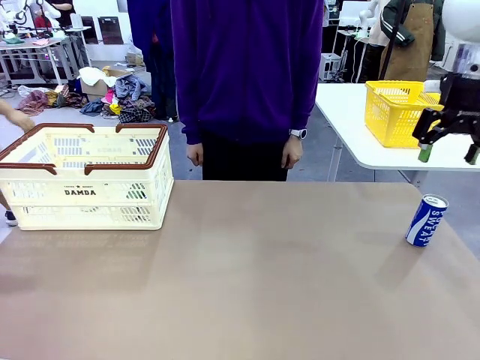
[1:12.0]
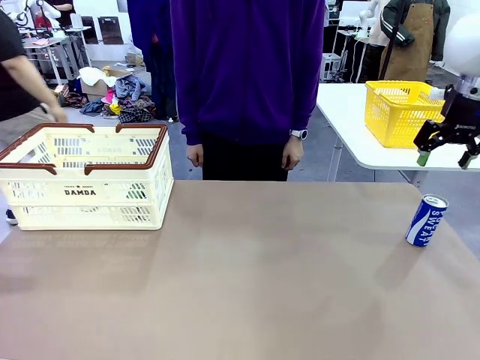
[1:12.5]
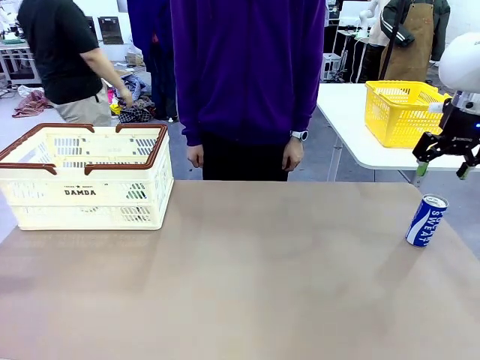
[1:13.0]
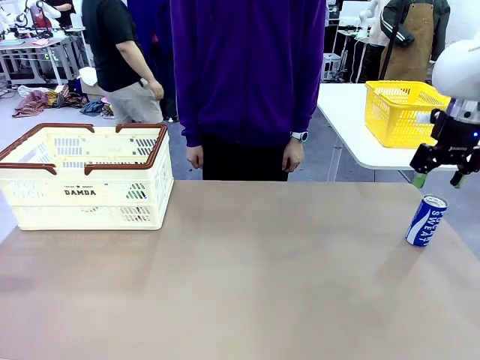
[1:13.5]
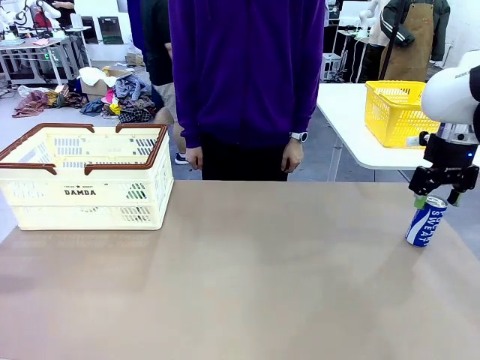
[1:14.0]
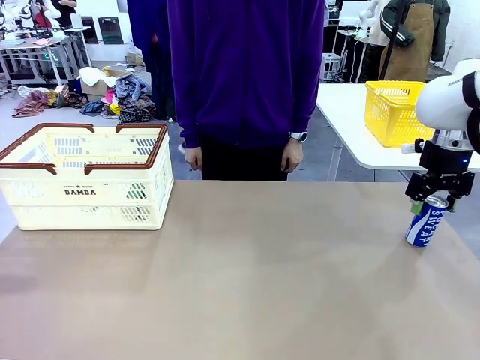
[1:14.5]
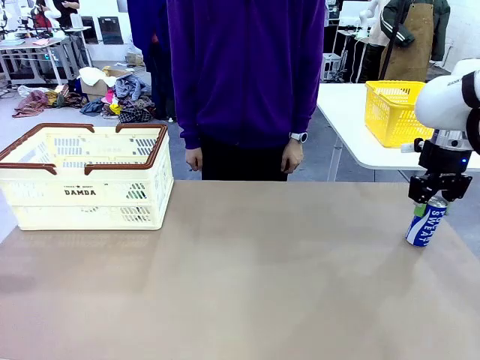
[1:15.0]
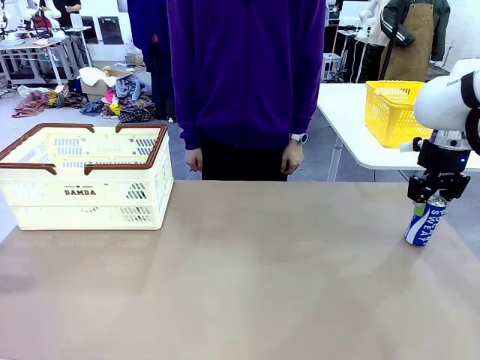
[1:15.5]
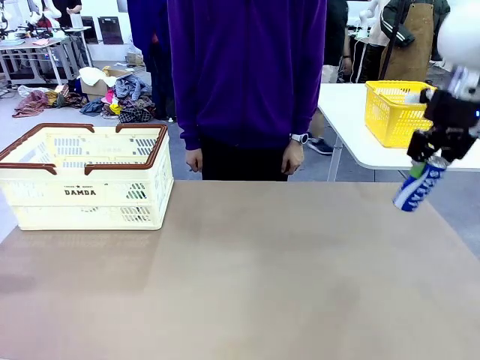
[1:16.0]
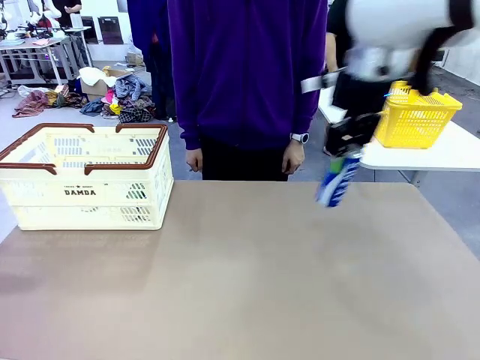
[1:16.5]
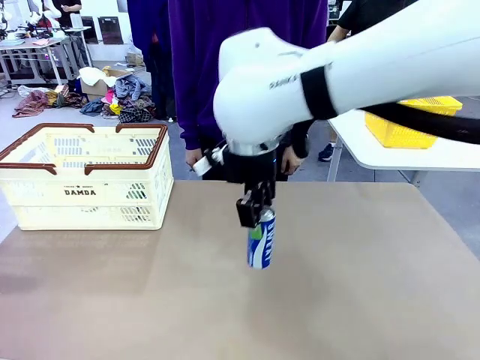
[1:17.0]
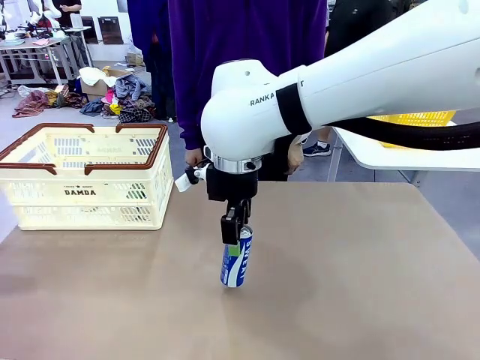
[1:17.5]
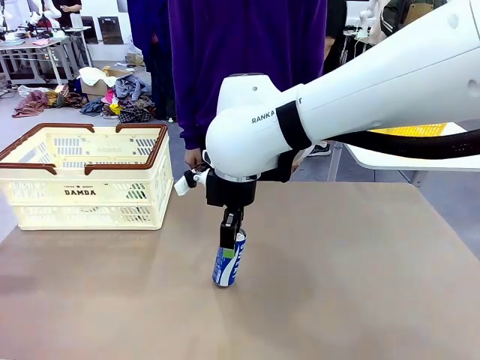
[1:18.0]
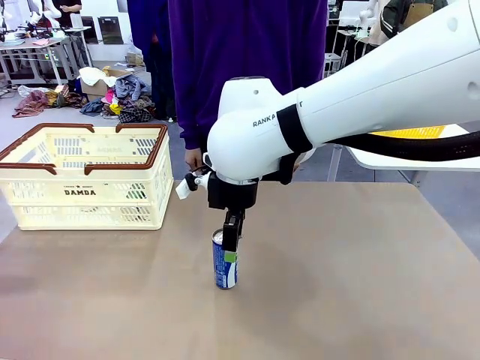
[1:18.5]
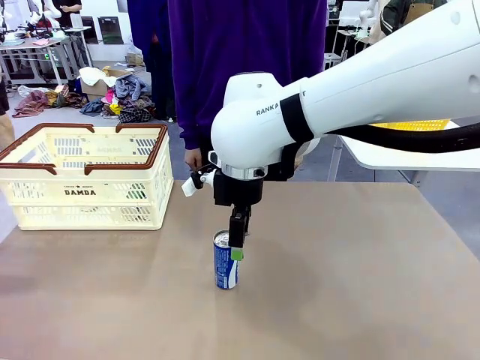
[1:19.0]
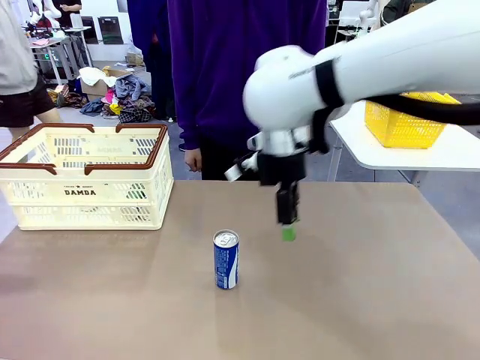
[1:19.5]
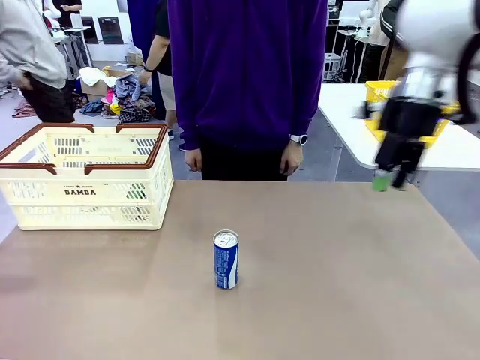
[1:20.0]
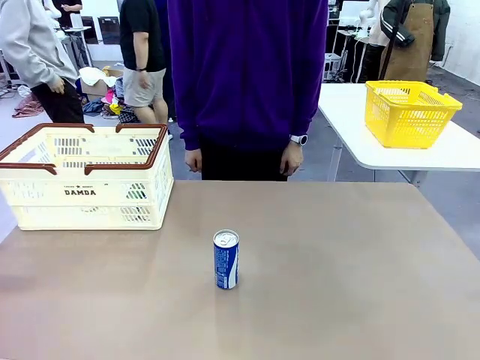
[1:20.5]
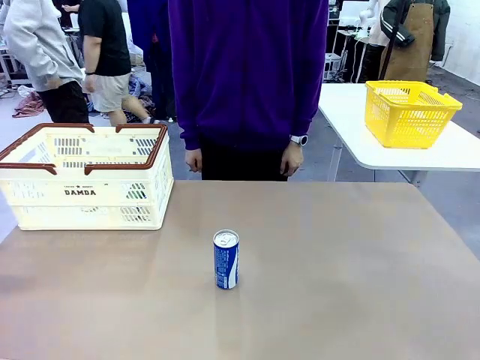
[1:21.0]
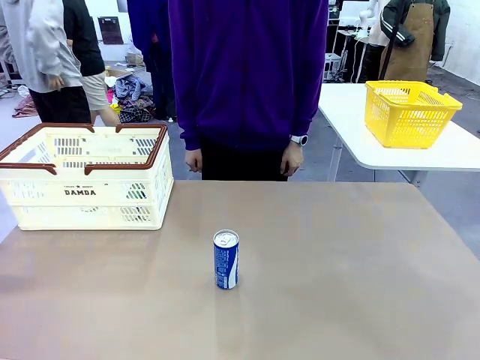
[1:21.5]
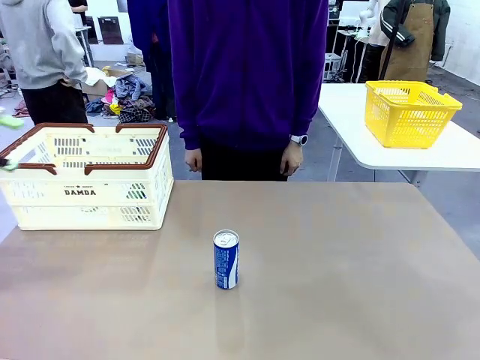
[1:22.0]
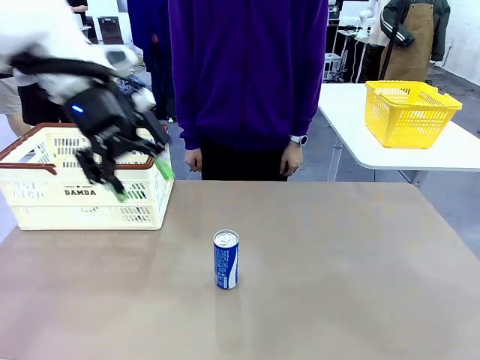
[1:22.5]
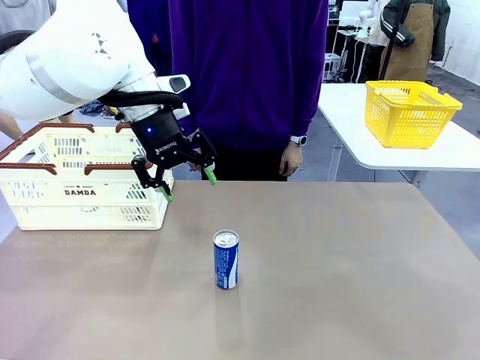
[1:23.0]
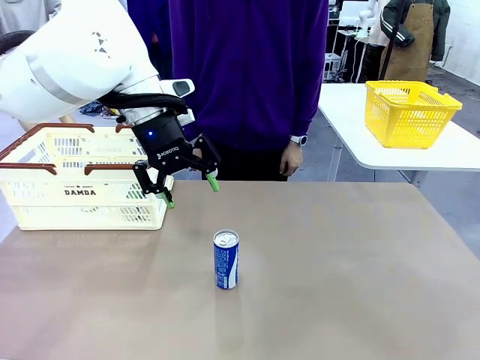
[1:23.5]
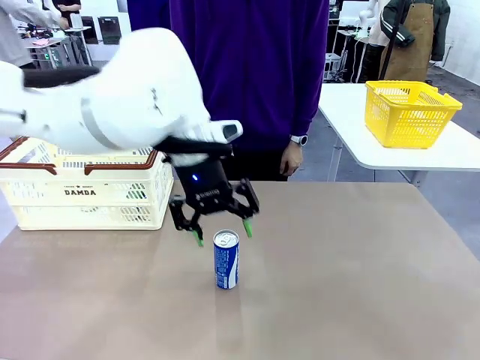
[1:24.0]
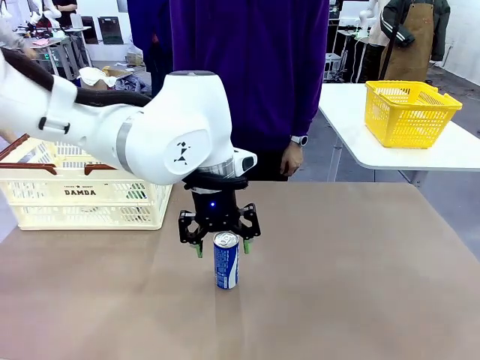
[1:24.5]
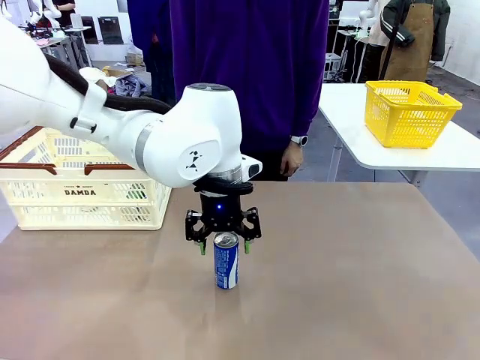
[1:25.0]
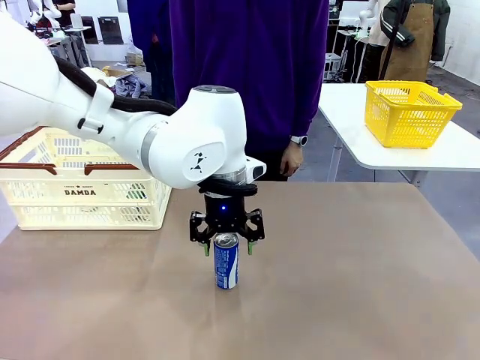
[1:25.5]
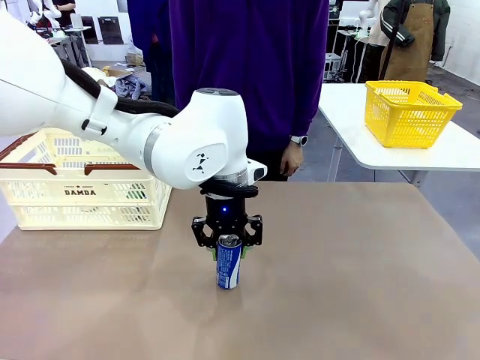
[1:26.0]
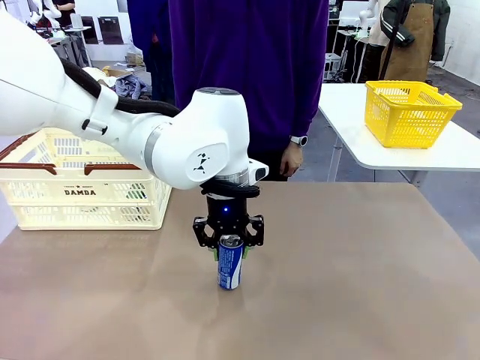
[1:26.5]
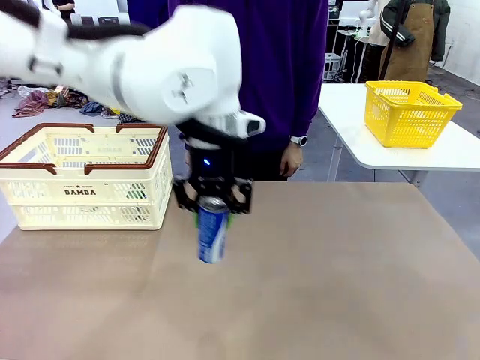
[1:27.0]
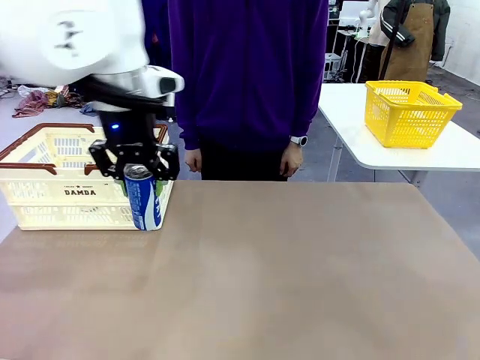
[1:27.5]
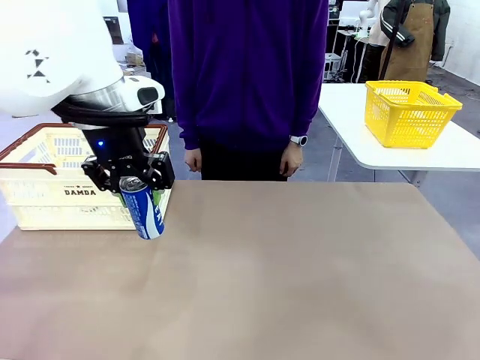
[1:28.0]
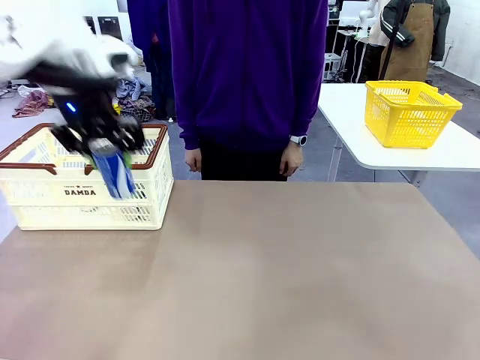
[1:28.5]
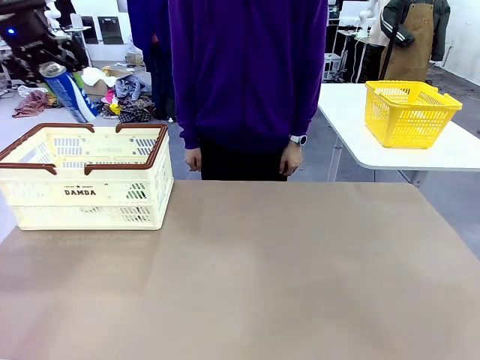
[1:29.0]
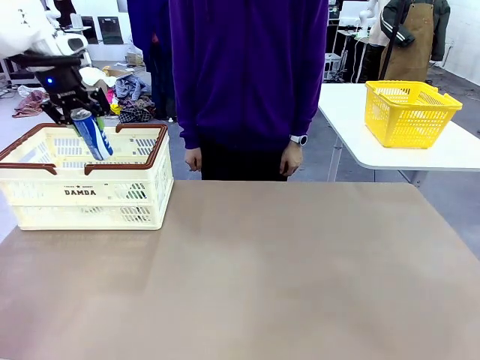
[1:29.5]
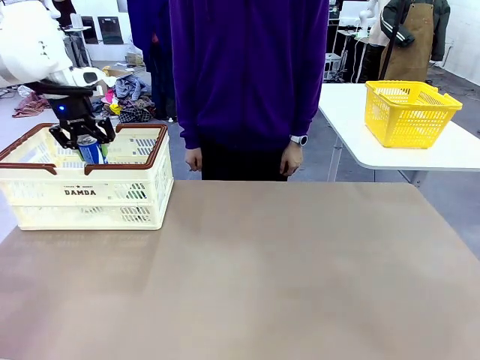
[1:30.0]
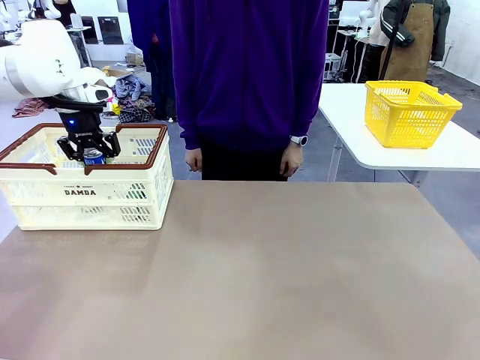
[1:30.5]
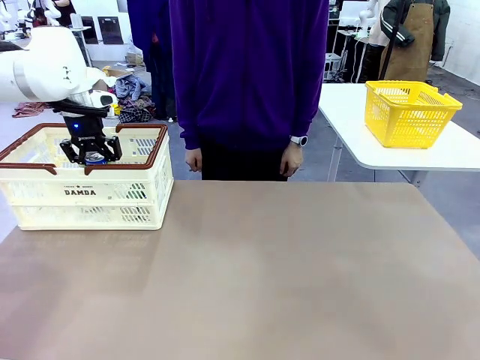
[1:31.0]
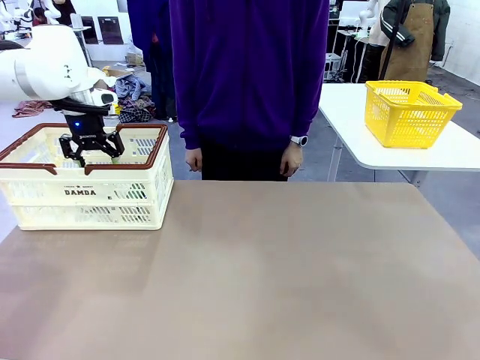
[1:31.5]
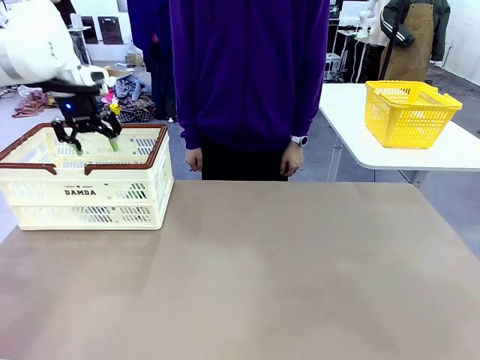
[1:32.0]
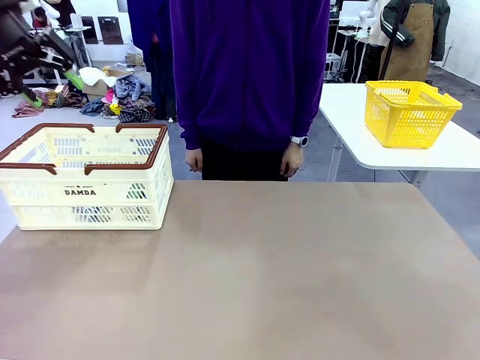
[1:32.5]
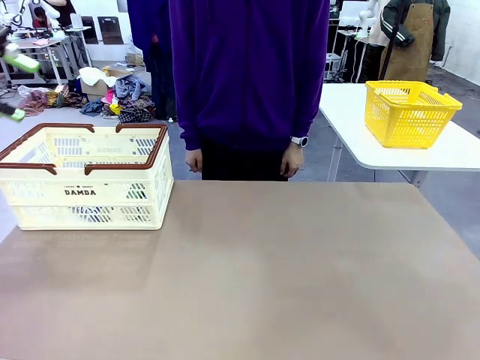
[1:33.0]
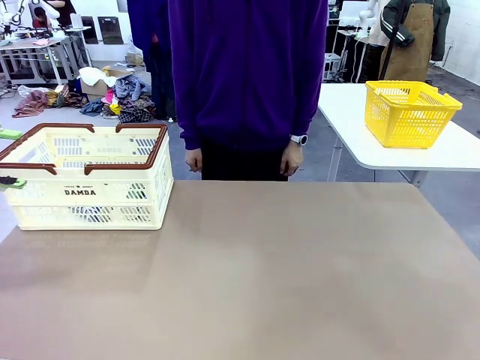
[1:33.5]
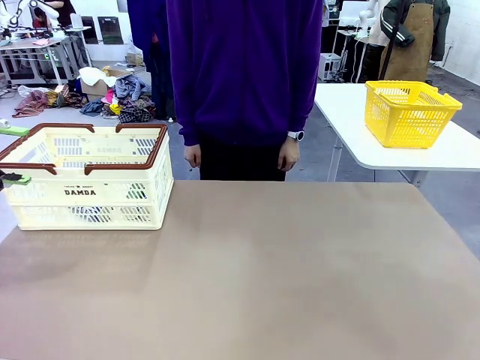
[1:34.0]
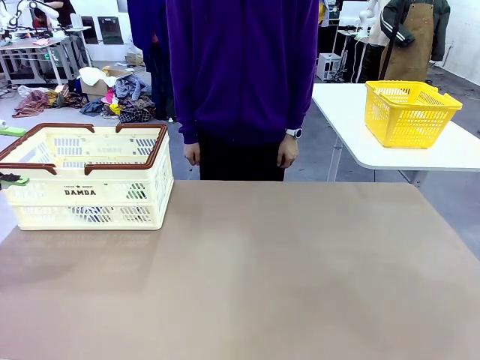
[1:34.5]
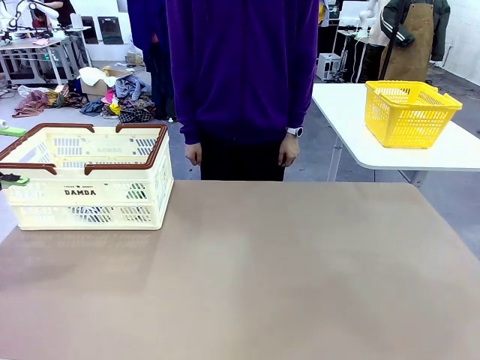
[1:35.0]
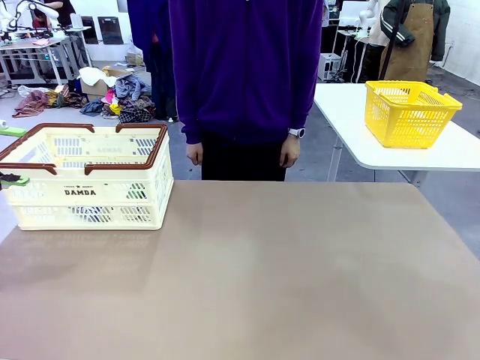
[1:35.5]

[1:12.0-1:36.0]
Task: Place the drinks into the Shopping basket.
Robot: Pick up one drink and place it into the Shopping basket.
